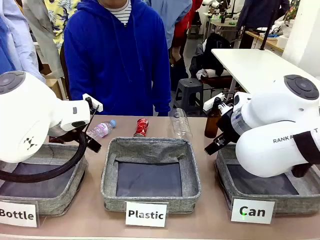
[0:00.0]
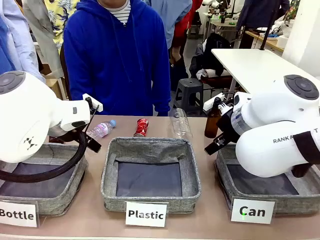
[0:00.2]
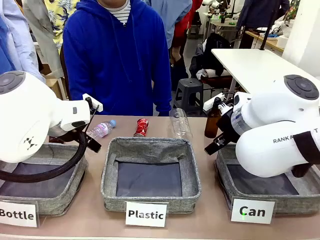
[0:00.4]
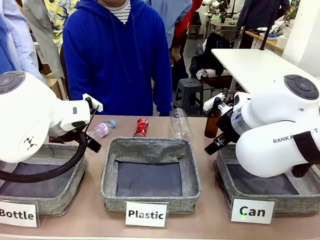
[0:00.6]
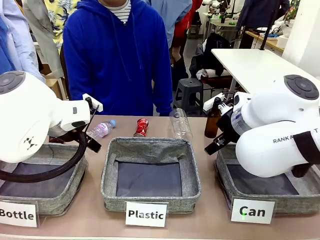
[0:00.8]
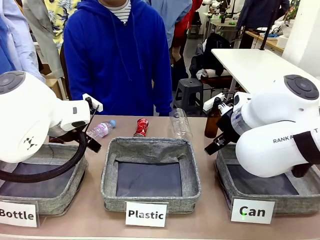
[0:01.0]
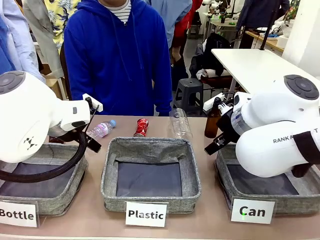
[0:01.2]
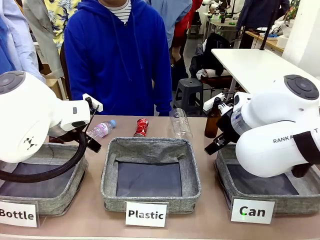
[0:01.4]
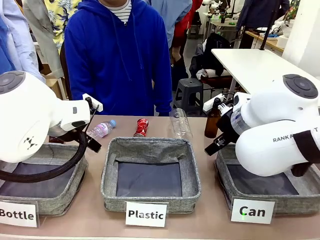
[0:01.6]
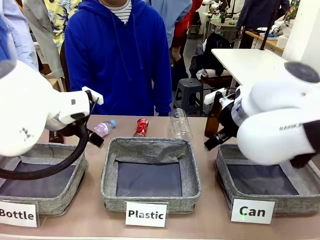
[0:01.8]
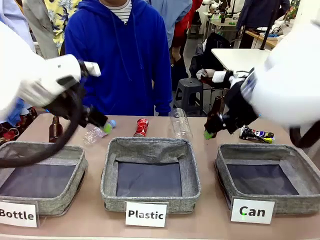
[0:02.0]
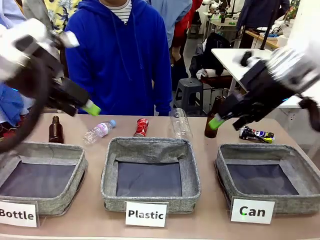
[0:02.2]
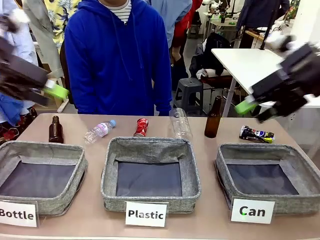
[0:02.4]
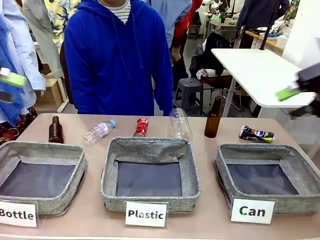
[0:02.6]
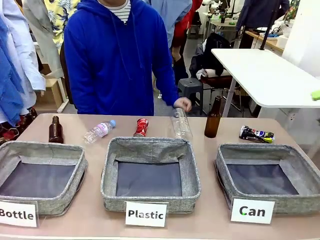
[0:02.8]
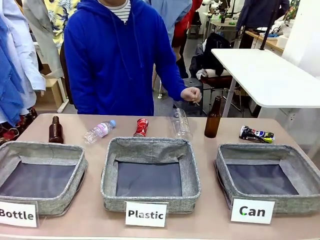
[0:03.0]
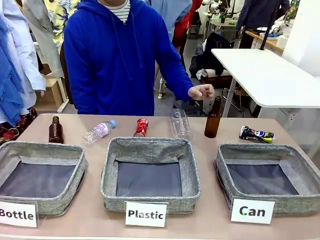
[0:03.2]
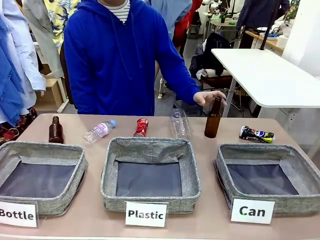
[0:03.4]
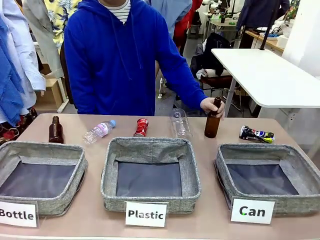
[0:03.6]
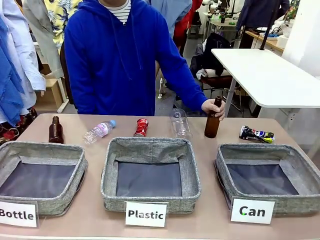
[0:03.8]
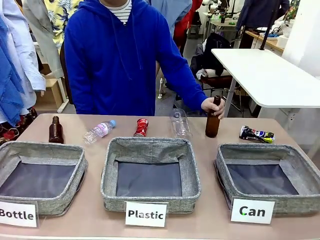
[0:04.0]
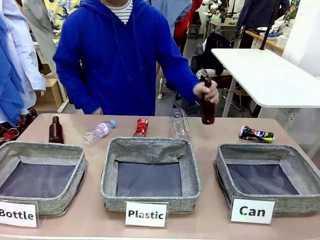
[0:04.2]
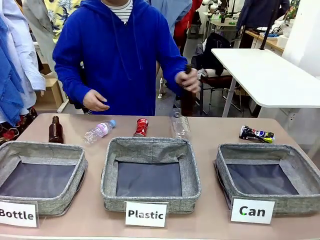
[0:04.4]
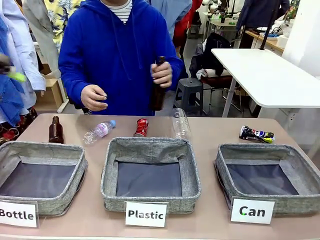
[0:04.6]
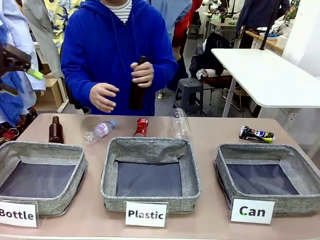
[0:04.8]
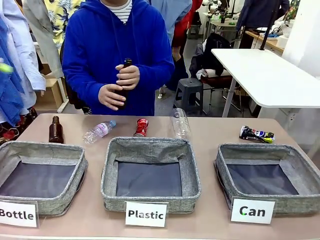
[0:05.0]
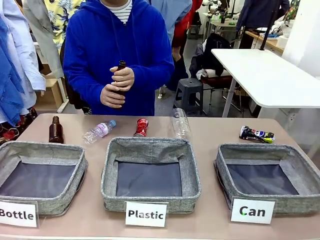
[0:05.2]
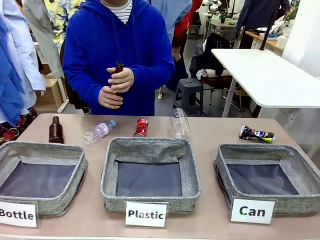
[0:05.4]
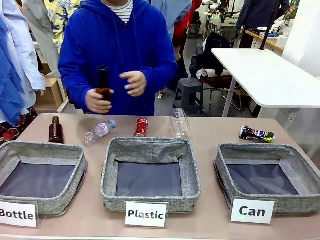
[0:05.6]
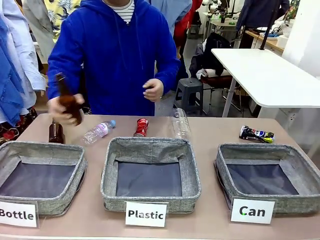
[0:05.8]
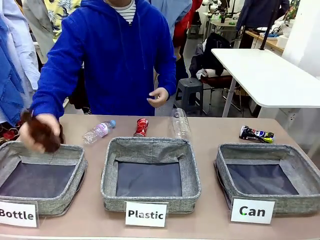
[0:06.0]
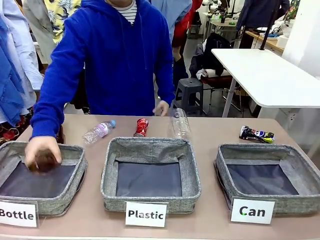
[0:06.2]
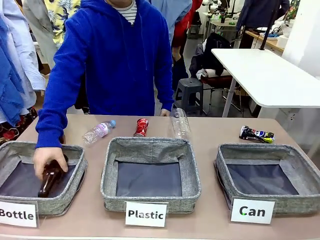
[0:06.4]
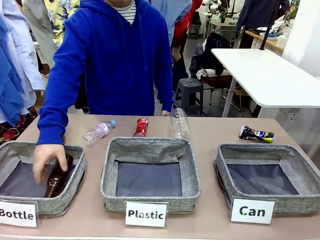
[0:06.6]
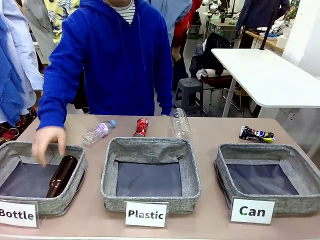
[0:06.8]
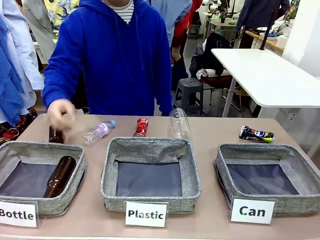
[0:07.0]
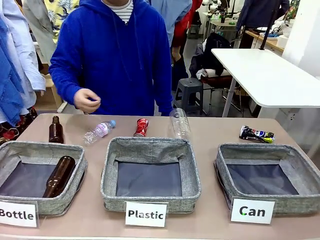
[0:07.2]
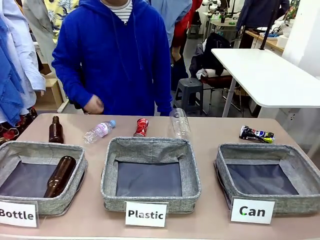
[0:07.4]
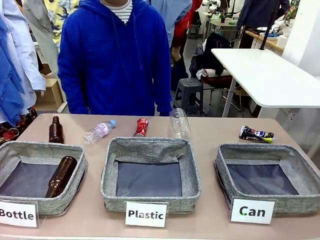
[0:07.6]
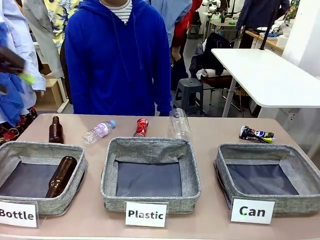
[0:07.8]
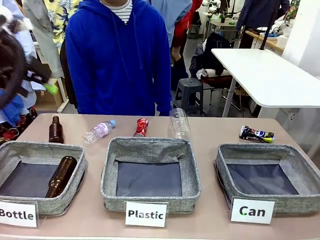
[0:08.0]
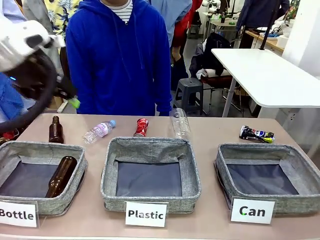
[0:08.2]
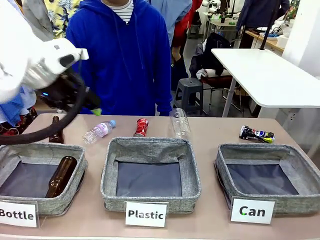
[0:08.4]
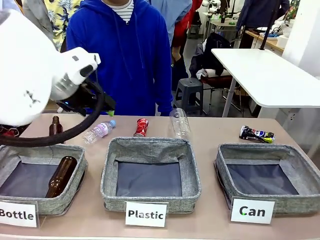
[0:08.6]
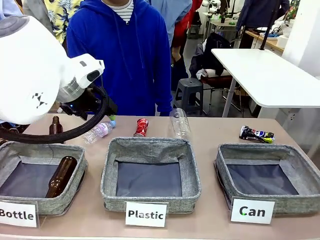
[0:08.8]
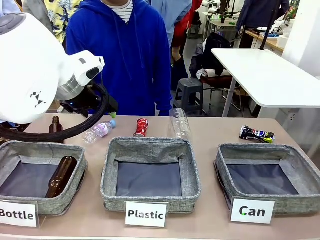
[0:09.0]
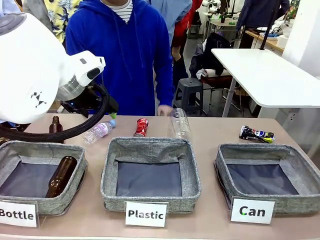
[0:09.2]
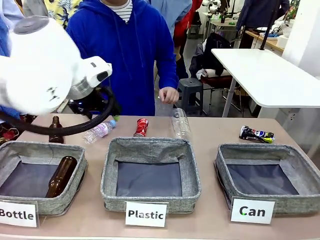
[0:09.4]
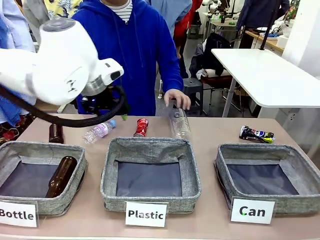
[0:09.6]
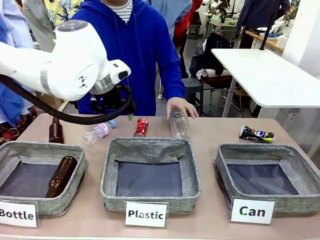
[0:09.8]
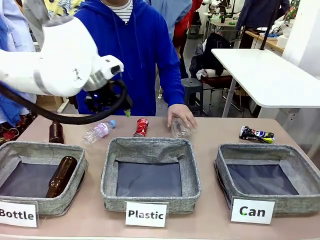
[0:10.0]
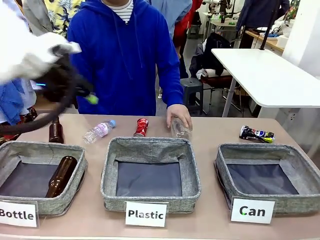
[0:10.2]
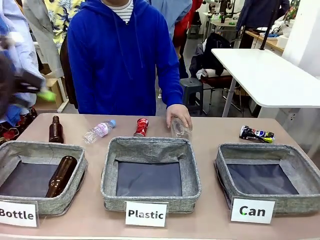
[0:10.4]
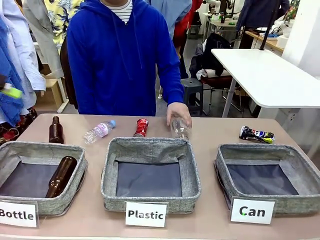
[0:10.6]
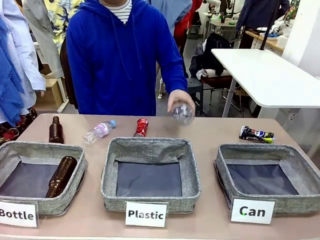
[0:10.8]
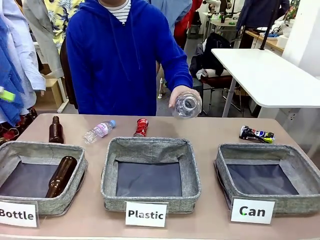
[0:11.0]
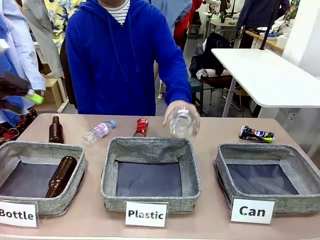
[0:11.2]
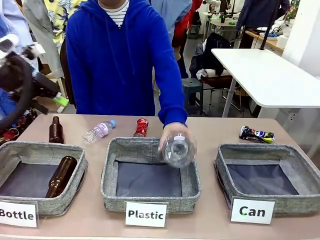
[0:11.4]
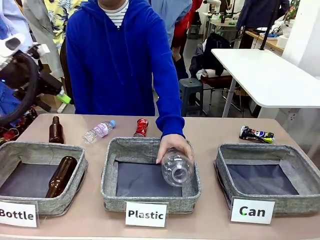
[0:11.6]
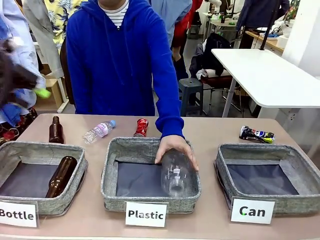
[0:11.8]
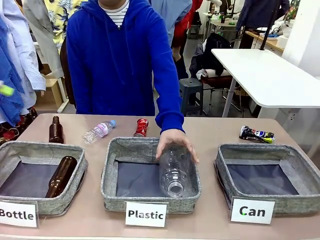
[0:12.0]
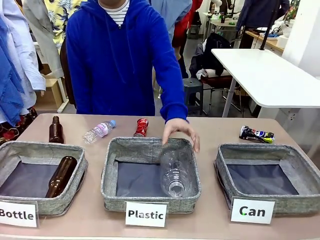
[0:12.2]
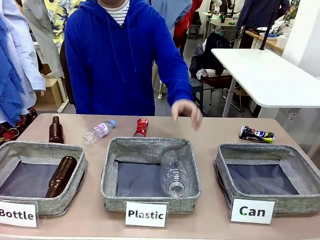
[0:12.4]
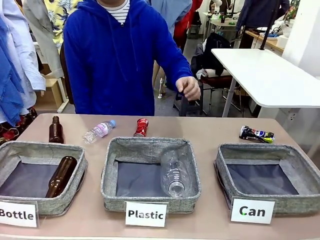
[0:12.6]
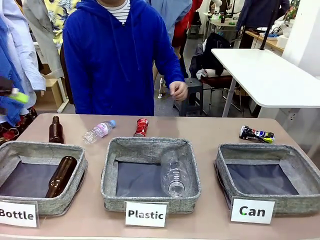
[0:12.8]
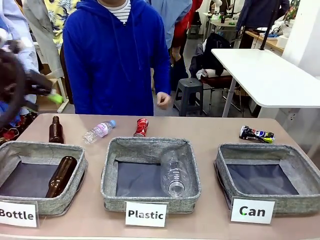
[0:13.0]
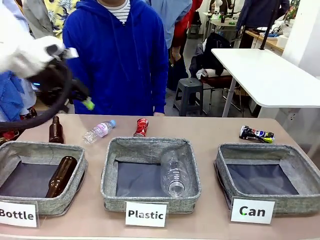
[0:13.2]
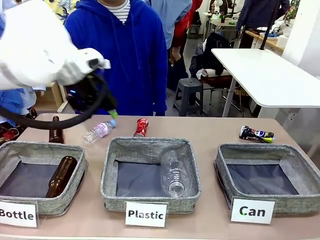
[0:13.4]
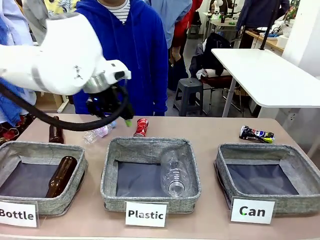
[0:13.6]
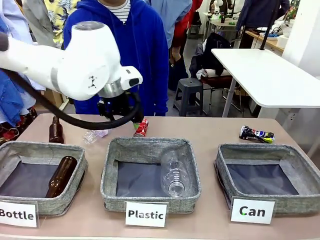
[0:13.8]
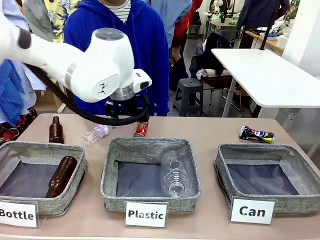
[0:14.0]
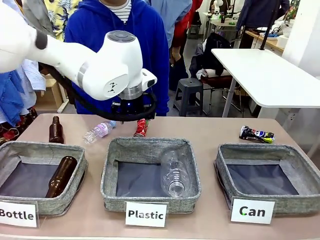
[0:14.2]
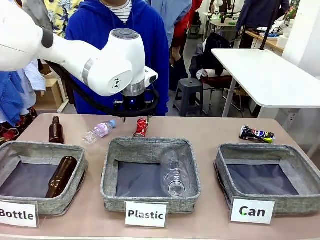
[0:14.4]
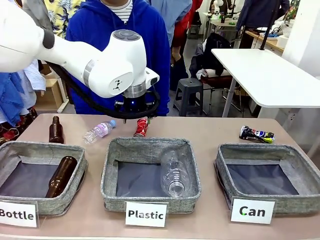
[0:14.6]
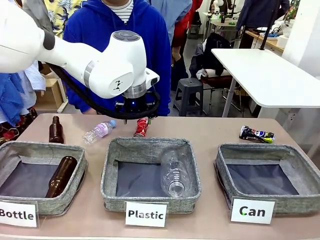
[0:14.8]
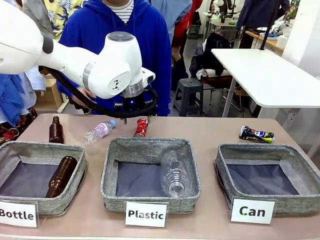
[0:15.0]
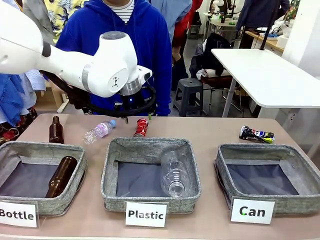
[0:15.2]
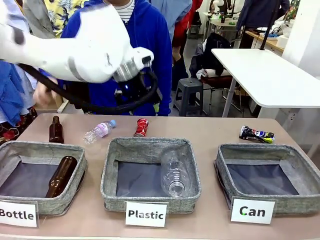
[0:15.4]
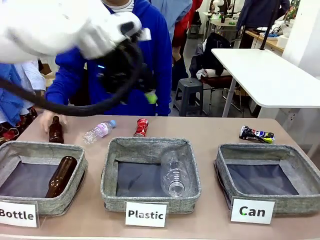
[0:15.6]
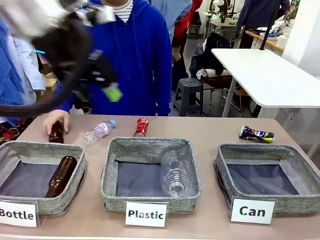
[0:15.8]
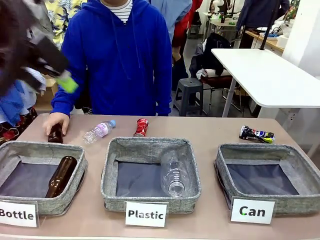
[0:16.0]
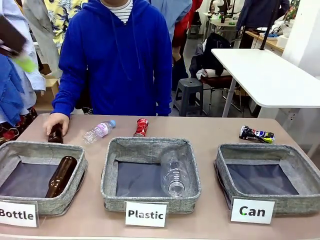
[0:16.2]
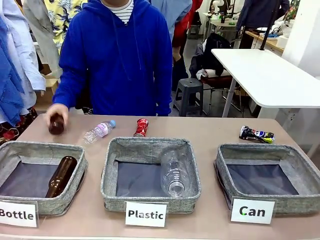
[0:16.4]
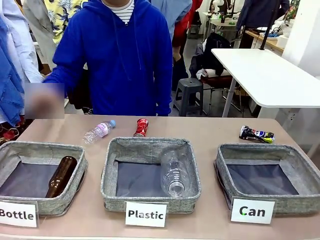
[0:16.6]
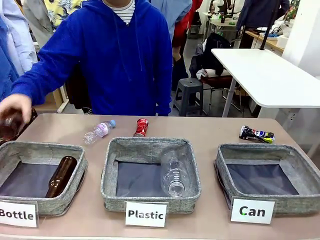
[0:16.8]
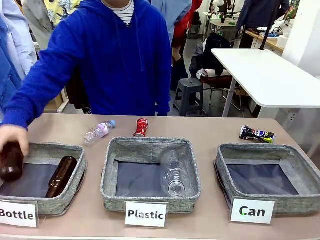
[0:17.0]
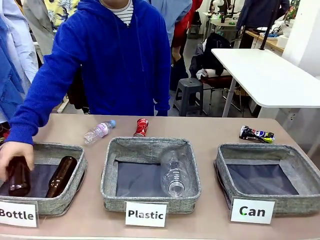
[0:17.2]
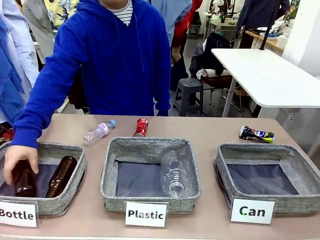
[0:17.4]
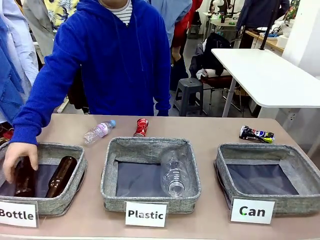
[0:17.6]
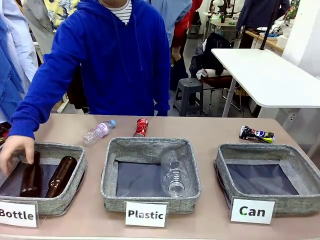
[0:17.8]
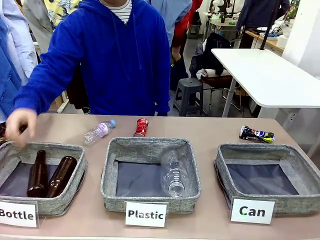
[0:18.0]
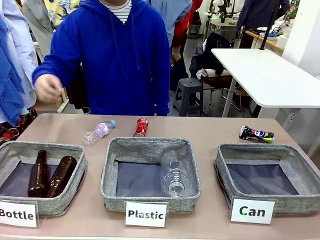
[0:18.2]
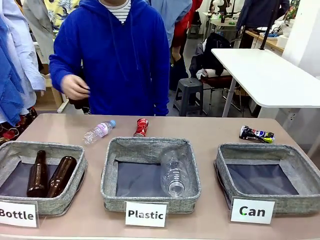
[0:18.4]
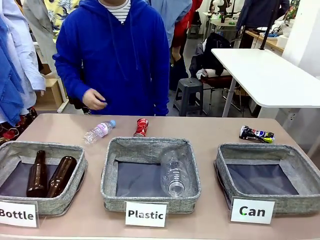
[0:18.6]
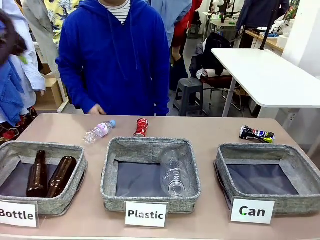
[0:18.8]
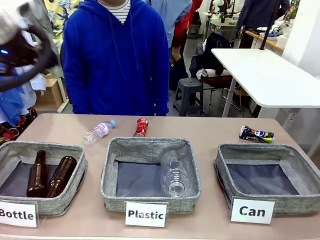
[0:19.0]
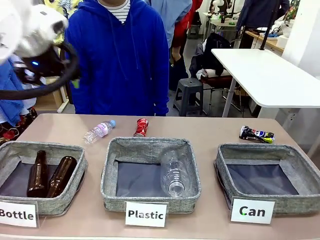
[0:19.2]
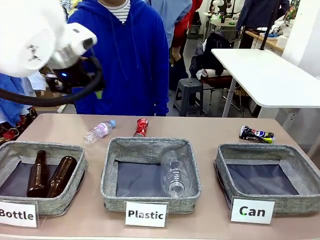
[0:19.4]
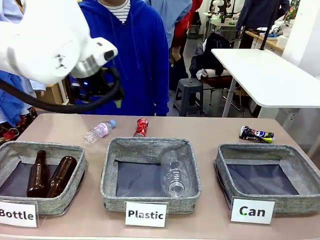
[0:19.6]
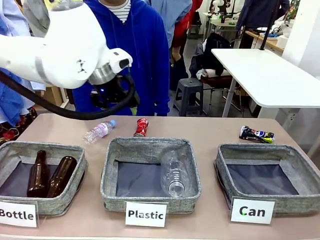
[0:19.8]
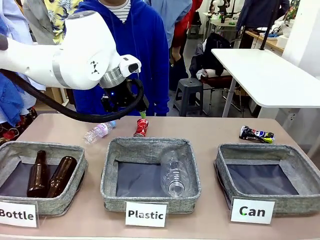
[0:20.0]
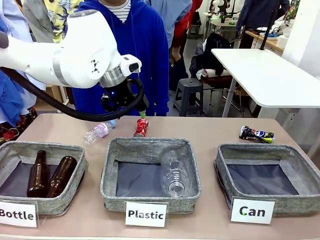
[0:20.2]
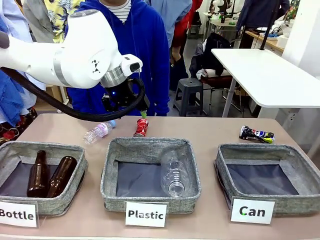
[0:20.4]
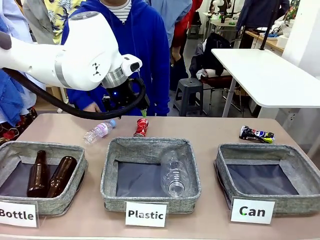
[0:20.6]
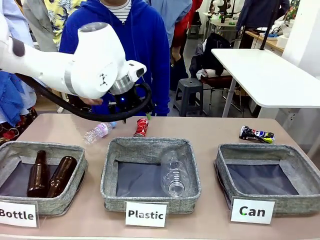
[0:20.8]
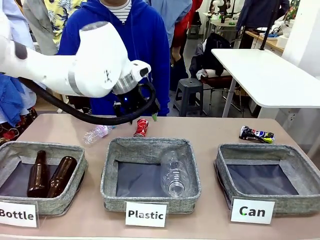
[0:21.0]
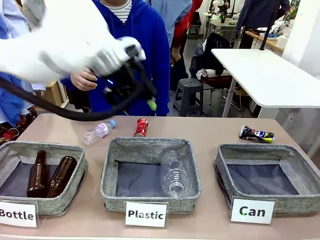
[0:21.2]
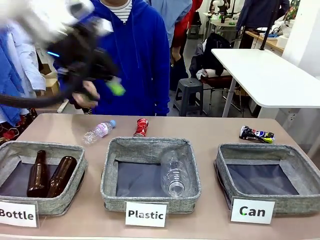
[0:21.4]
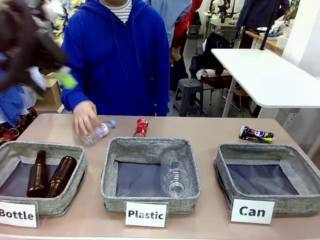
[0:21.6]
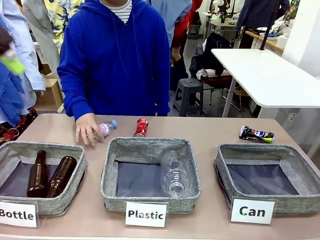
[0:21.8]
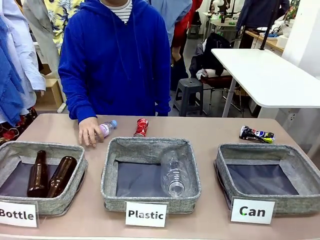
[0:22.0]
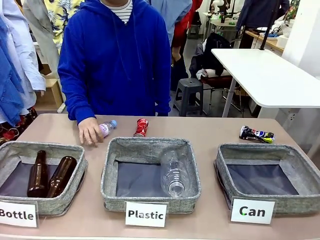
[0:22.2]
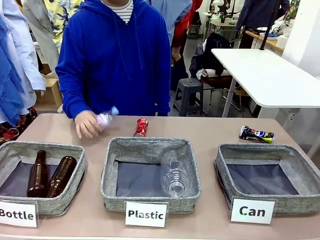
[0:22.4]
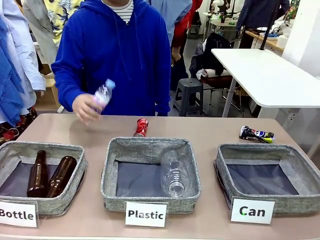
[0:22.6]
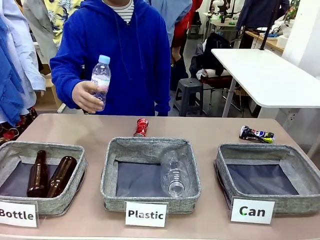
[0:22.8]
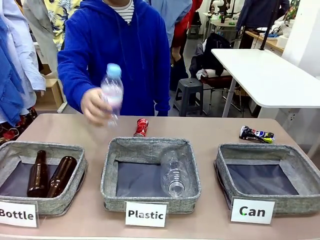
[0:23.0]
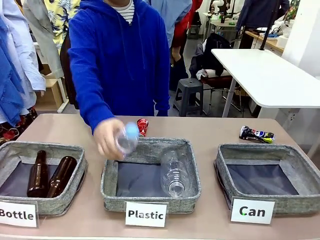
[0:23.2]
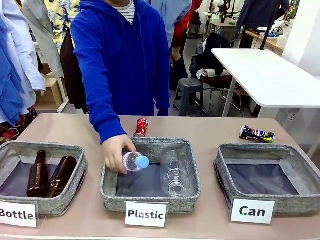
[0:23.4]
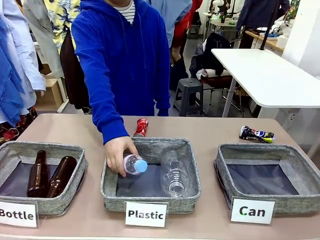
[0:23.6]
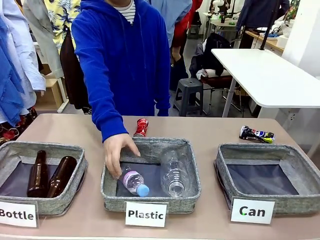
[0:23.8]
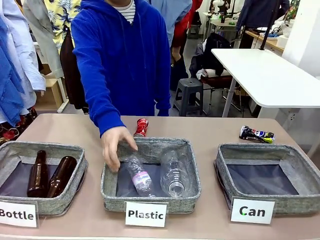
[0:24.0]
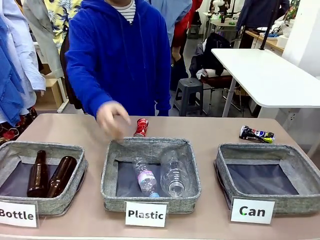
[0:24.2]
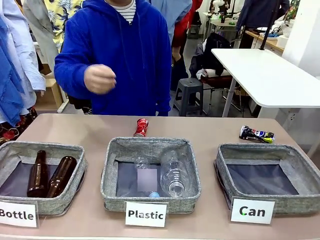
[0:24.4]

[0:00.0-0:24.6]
Task: Sort the can waste into the basket.
Robot: Pick up the can waste from the table and place it in the right Fabric basket.
